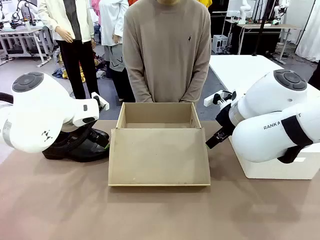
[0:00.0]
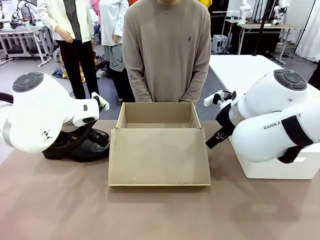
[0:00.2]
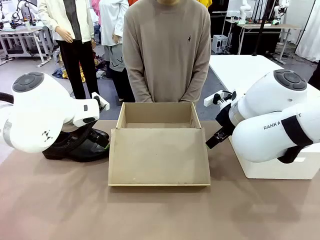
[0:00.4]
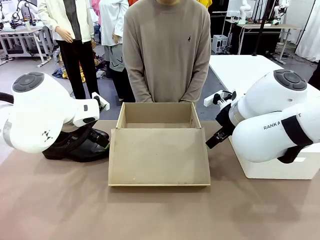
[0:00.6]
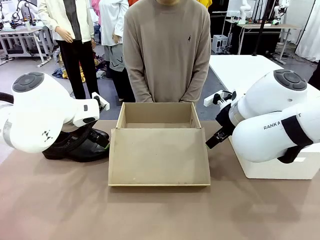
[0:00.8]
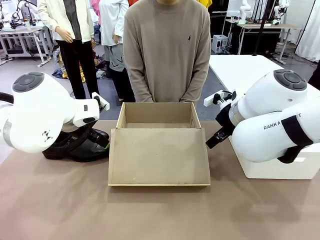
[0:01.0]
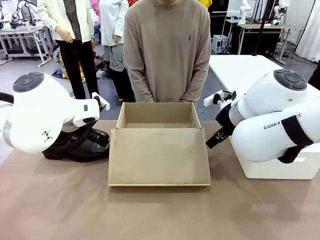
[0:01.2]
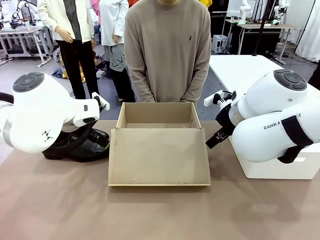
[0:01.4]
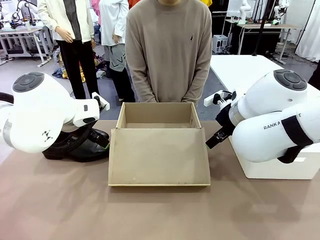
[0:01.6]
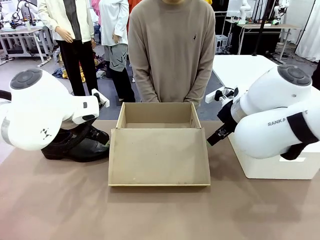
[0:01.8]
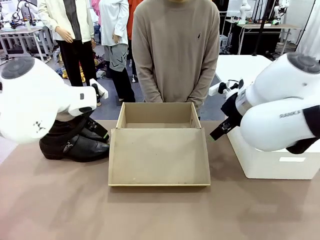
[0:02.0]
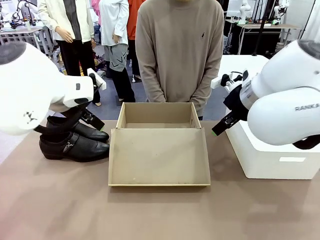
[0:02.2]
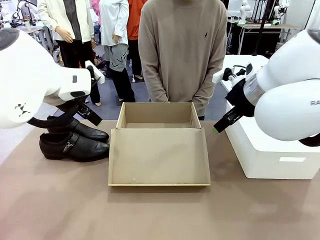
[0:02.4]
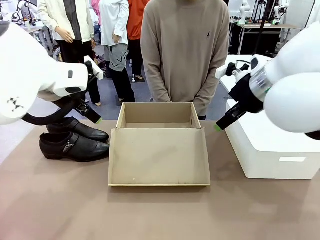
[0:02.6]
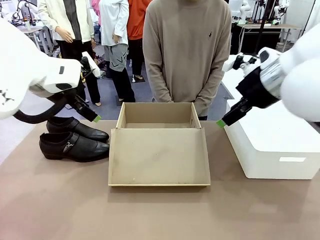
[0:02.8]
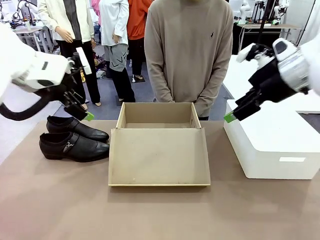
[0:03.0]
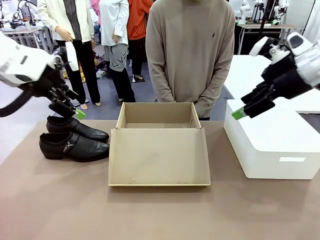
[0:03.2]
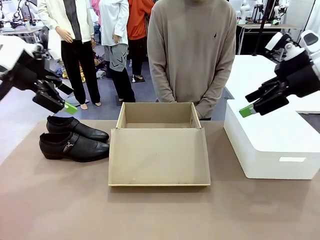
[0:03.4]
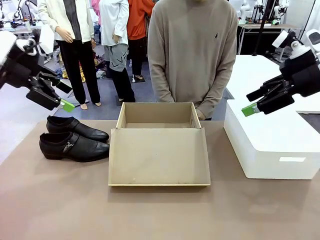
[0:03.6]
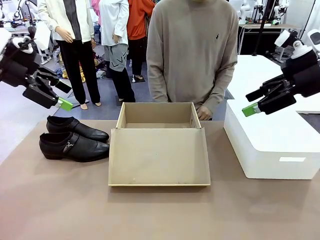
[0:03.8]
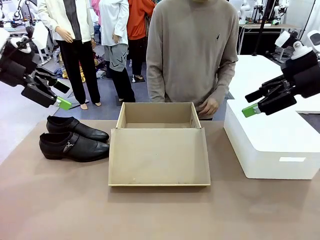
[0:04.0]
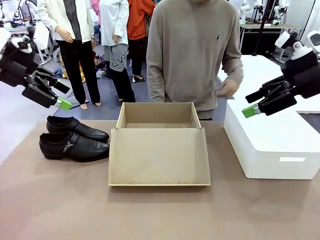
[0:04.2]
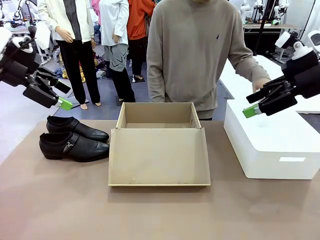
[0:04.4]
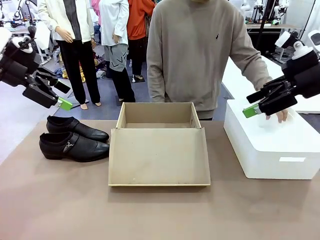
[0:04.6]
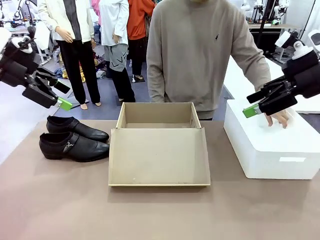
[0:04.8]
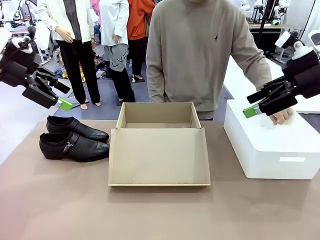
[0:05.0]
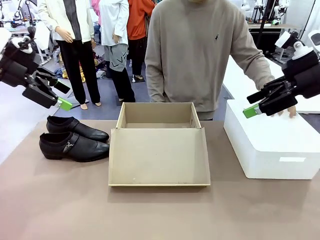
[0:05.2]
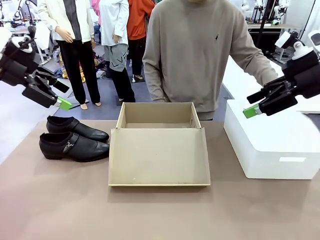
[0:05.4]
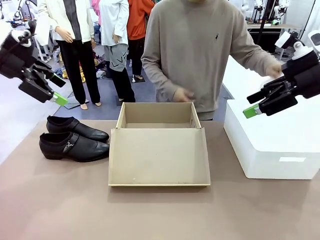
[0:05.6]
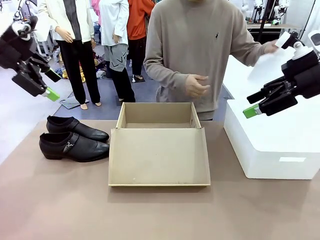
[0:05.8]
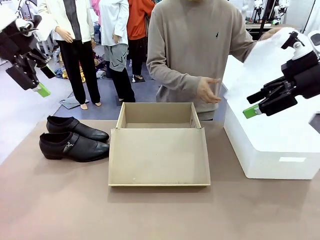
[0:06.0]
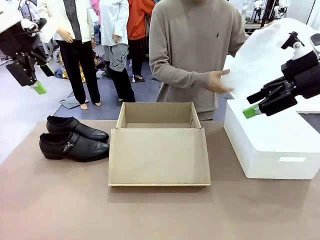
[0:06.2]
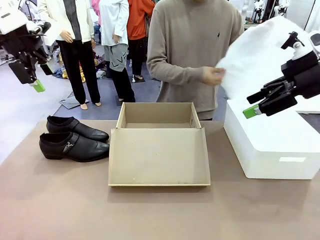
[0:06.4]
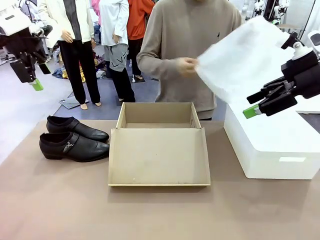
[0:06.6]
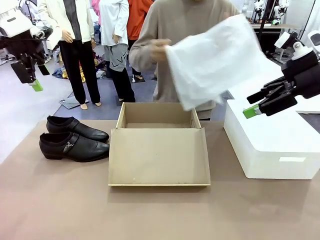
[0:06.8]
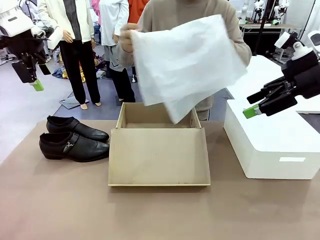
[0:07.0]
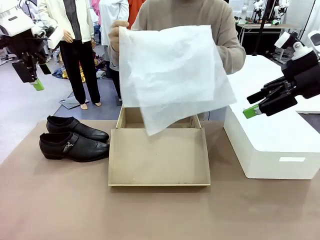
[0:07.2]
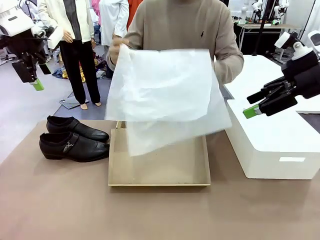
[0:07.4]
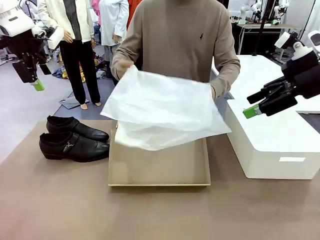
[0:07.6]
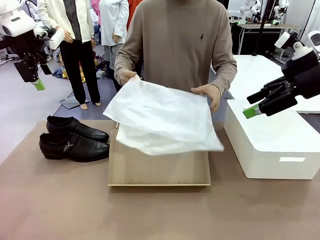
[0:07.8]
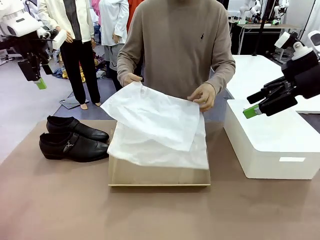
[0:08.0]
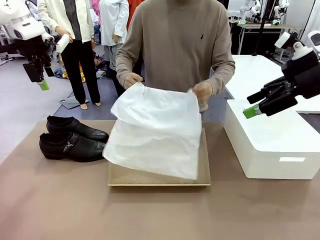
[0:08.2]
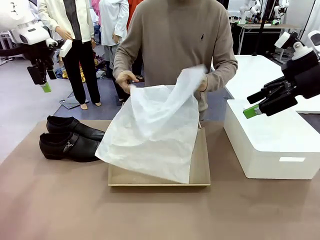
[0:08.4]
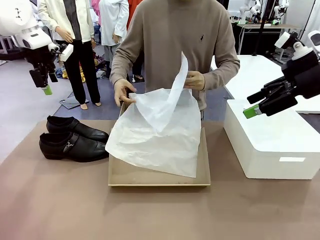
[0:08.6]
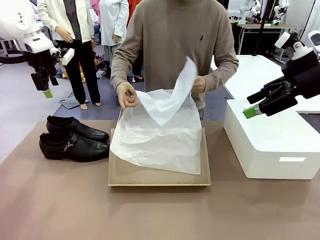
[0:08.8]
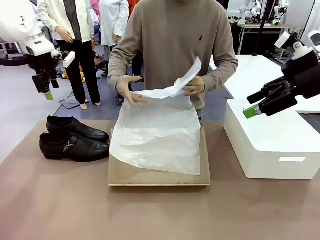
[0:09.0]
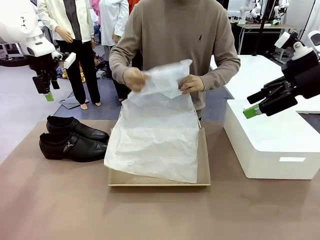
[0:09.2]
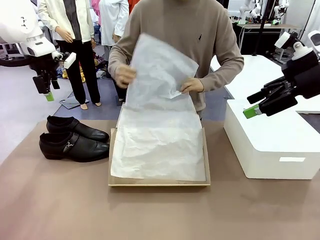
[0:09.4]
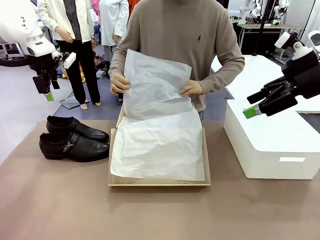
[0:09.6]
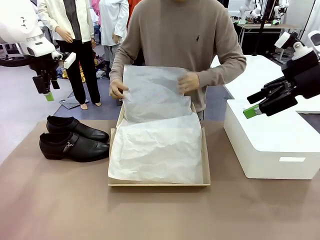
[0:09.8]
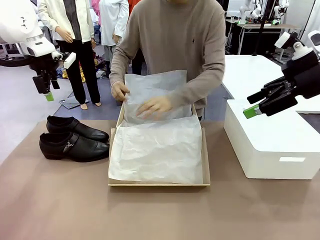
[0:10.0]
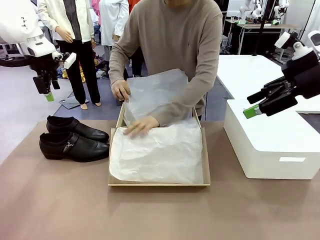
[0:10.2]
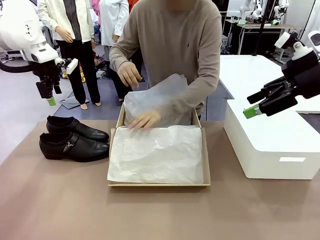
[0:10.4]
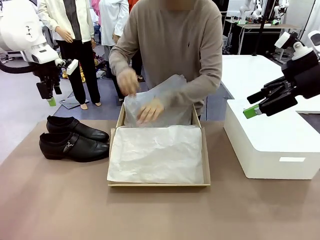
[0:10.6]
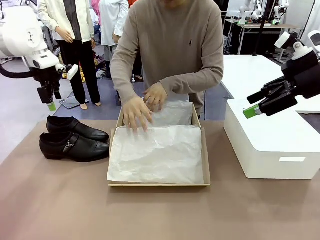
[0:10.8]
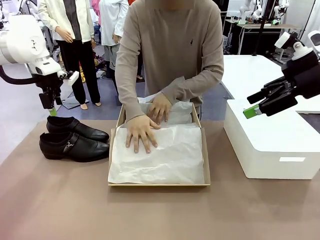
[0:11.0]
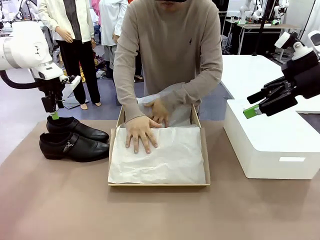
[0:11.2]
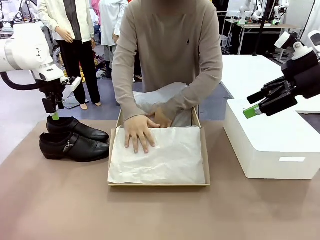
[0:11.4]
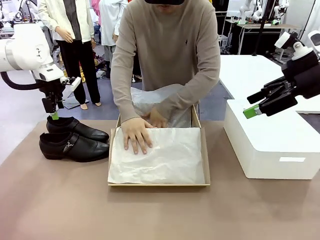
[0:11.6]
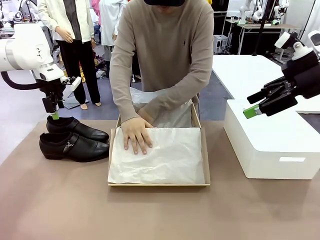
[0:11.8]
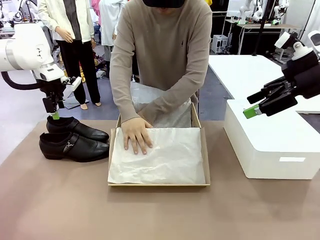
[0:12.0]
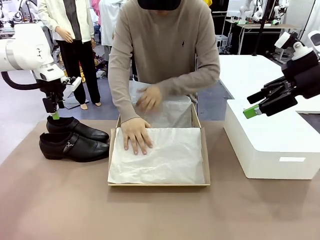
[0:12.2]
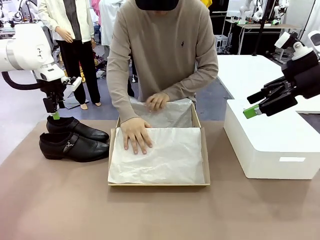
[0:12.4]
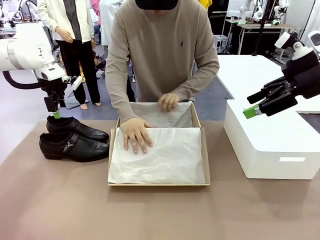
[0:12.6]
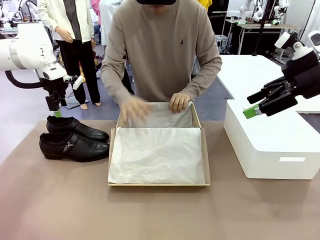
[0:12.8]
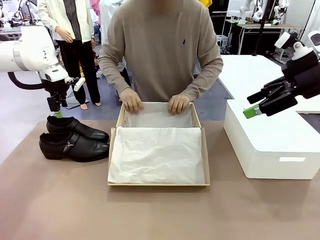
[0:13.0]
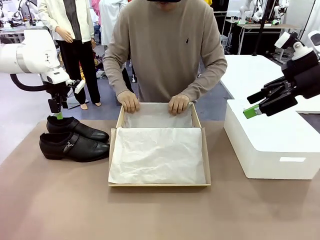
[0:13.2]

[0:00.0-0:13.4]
Task: Pack the shoes into the box.
Robot: Place one shoe of the Shoes into the Shoes Box.
Person: Spread Shoes Wrapping Paper and place inside the Shoes Box.

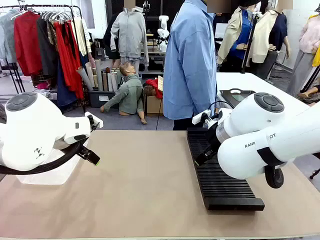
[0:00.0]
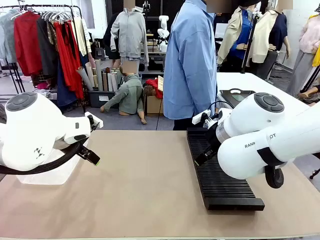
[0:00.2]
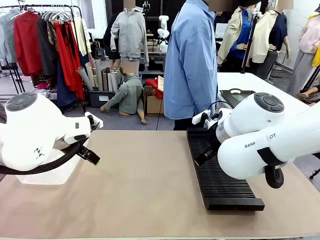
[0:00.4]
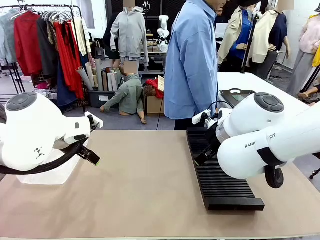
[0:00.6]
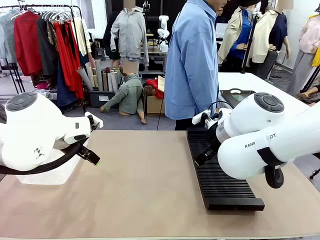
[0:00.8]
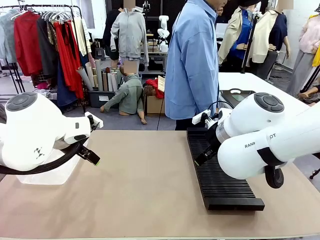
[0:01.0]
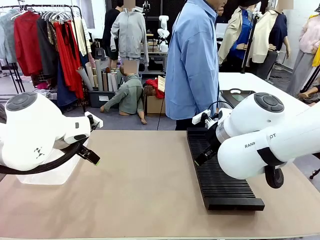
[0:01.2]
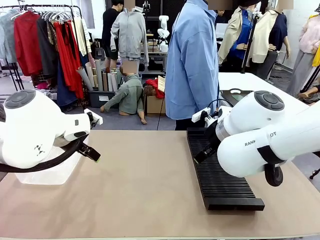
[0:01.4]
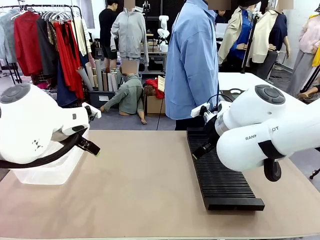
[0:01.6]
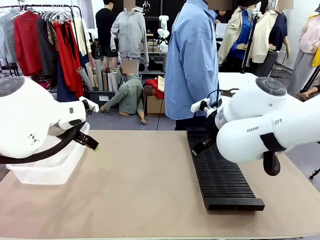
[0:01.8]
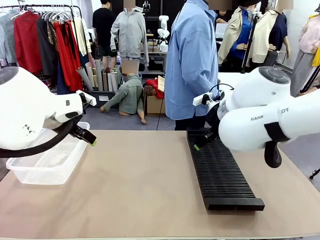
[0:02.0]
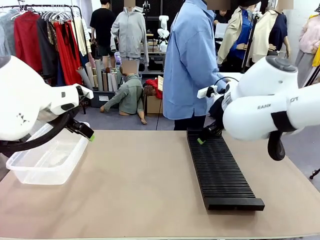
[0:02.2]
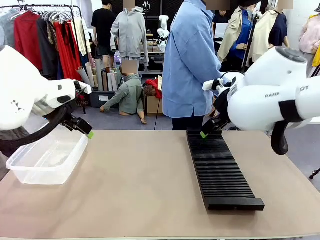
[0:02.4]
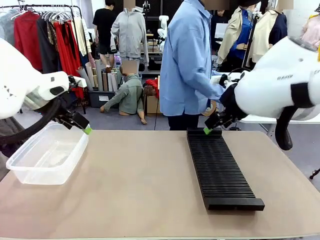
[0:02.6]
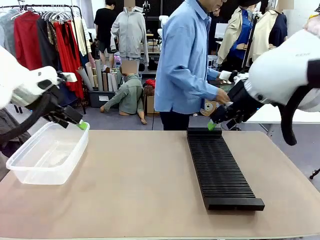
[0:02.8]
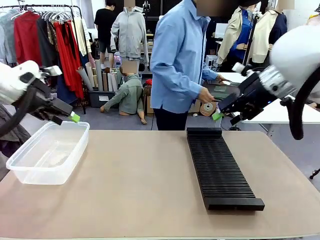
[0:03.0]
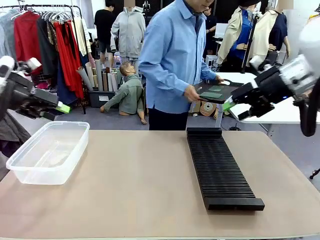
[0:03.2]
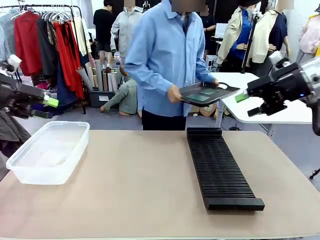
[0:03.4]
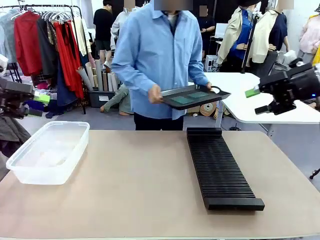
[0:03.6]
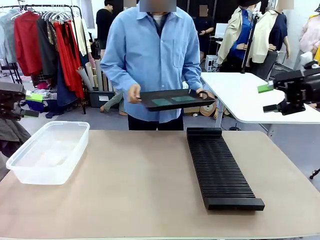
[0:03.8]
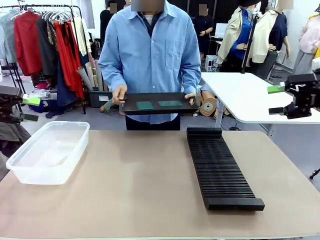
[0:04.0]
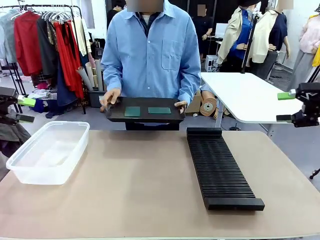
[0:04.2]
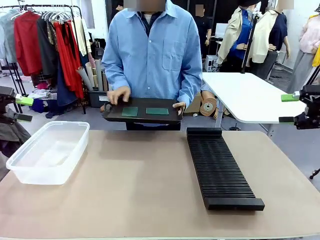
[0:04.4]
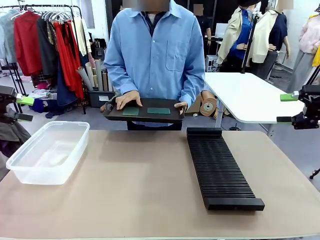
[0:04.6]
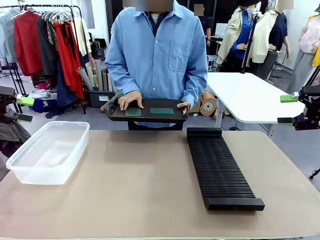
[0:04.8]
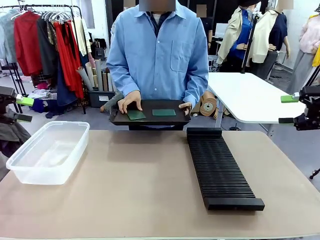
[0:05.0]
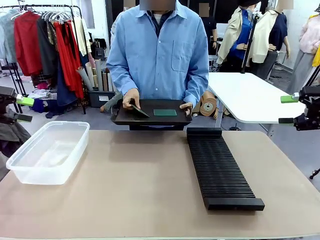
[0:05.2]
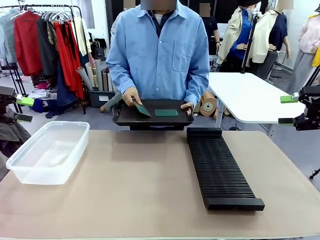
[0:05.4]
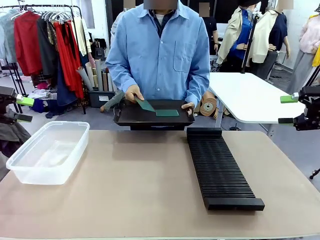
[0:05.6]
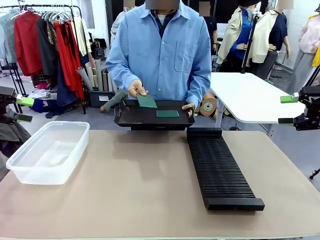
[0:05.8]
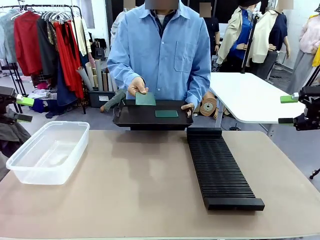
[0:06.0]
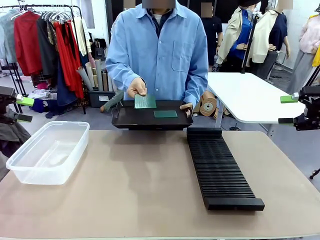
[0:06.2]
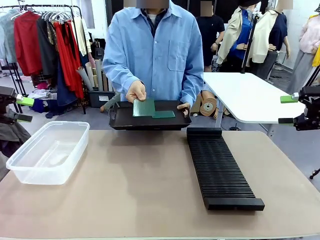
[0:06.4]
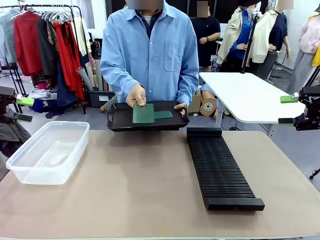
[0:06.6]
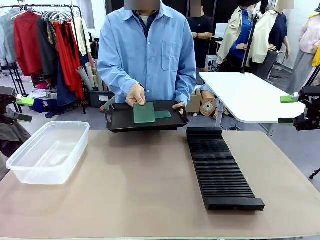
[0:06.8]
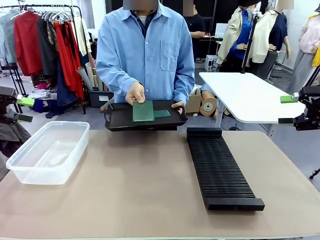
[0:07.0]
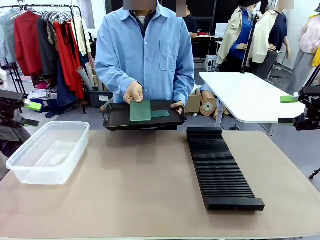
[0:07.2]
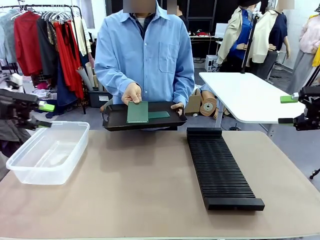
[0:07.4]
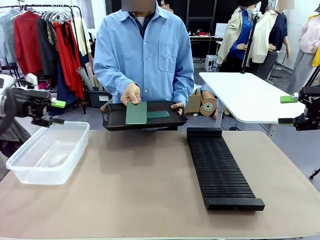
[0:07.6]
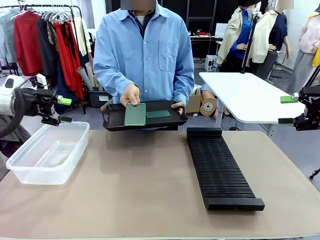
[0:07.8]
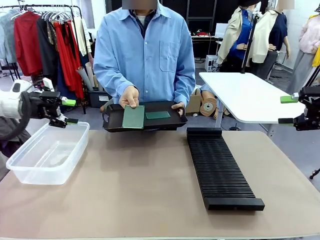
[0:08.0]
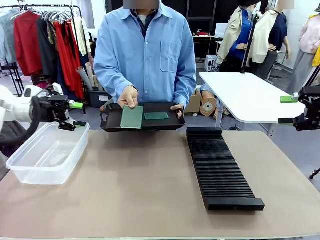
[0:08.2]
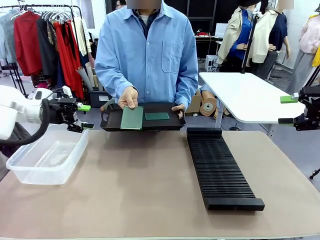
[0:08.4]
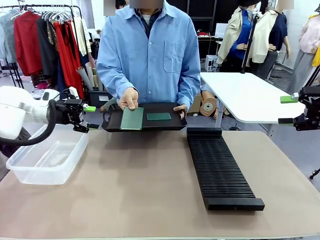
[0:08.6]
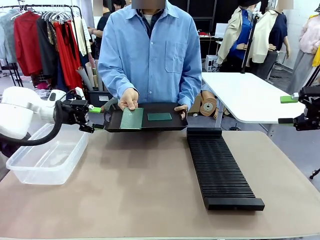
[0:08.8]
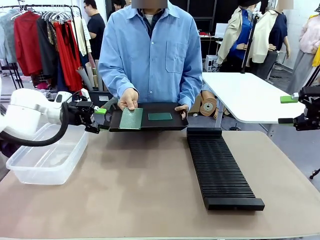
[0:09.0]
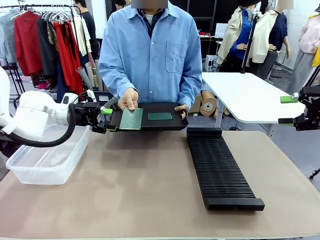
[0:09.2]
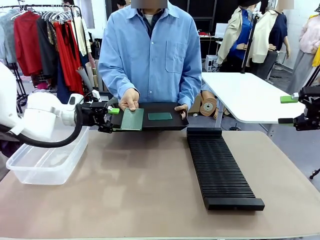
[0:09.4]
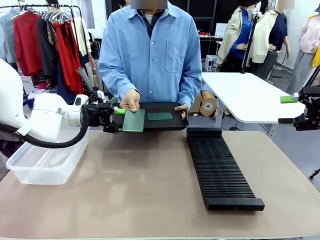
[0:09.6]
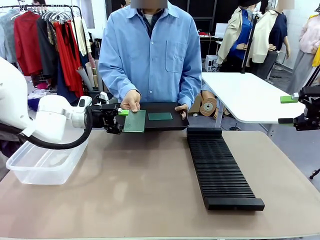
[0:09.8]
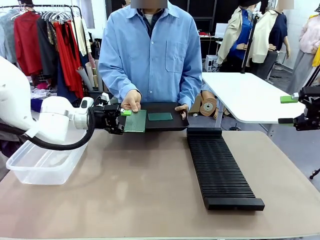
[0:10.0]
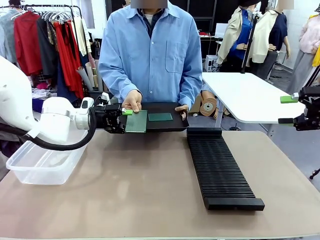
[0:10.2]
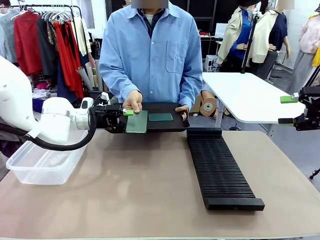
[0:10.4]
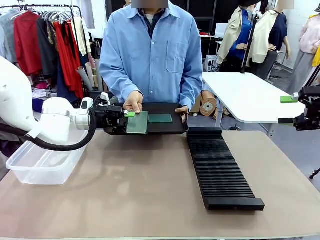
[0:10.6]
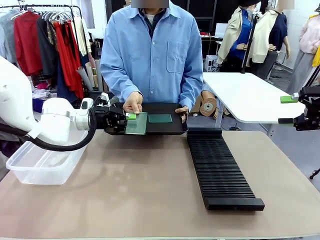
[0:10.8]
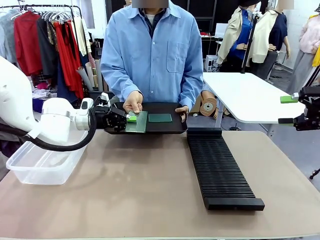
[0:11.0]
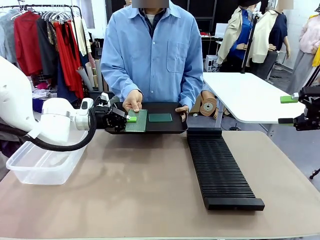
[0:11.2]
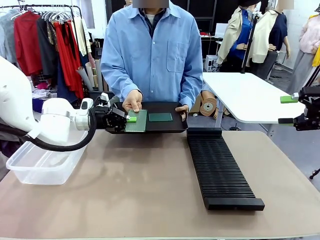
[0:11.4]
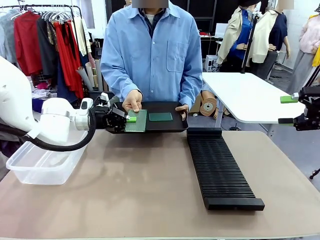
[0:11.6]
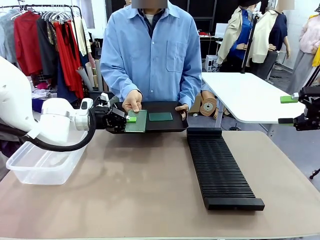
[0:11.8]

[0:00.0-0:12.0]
Task: Sort PCBs into racks and boxes based on the side picked up.
Robot: Pick up the Blank PCB handed by the Human.
Person: Pick one PCB from the tray and present it to the robot. Release the PCB being held.
